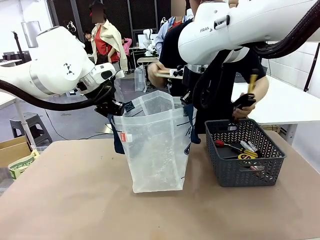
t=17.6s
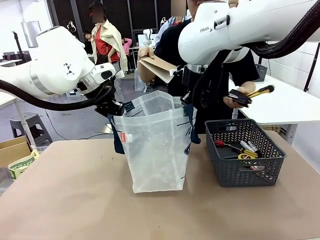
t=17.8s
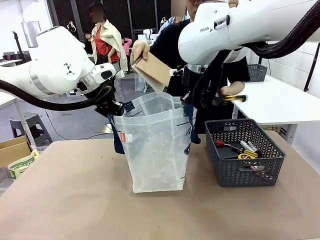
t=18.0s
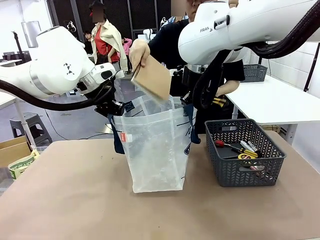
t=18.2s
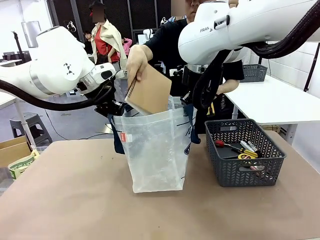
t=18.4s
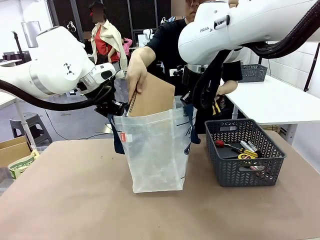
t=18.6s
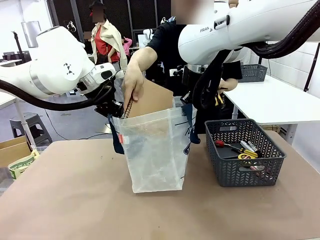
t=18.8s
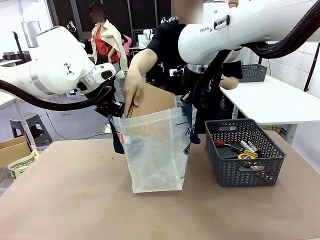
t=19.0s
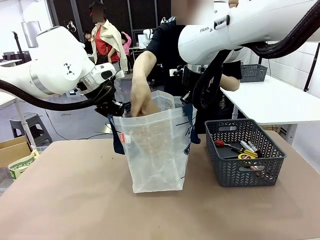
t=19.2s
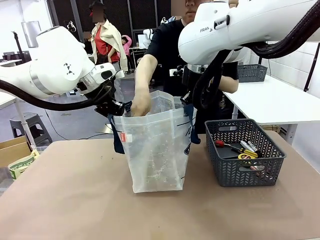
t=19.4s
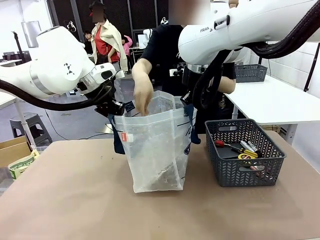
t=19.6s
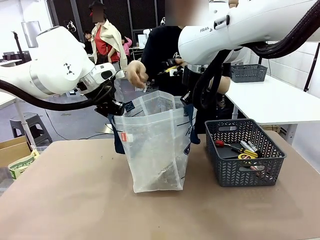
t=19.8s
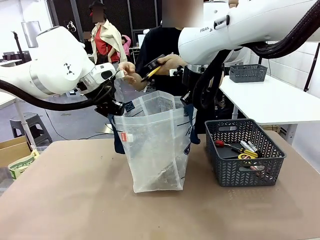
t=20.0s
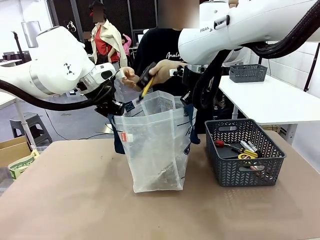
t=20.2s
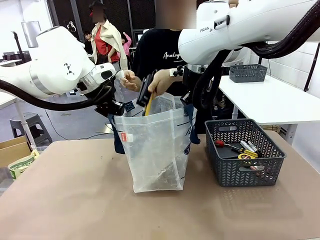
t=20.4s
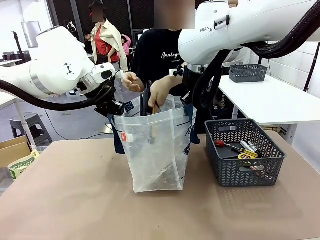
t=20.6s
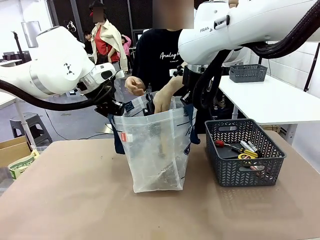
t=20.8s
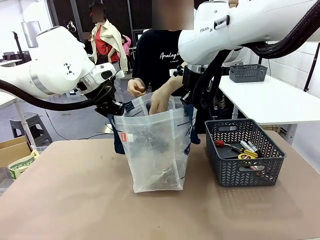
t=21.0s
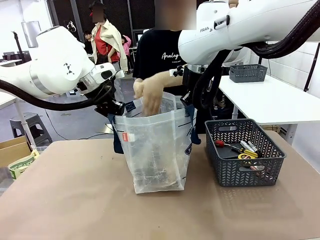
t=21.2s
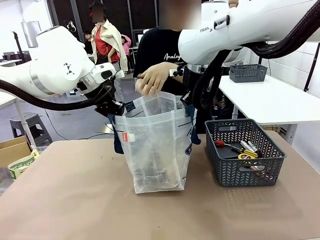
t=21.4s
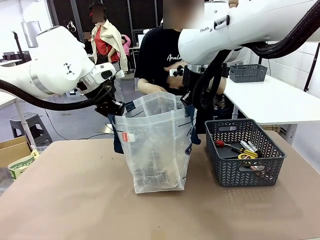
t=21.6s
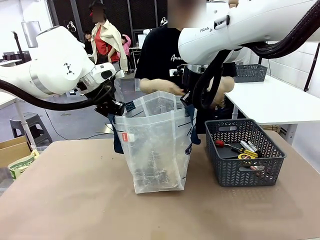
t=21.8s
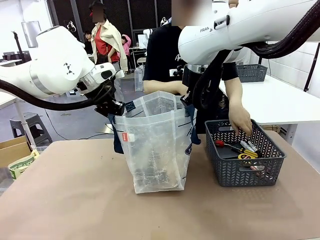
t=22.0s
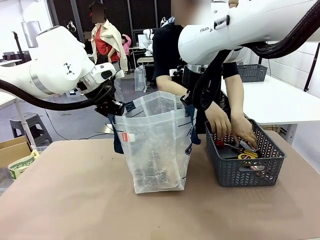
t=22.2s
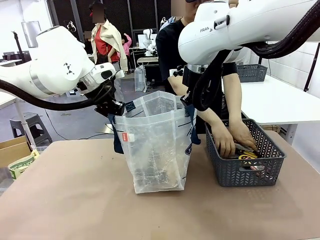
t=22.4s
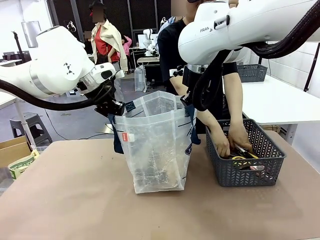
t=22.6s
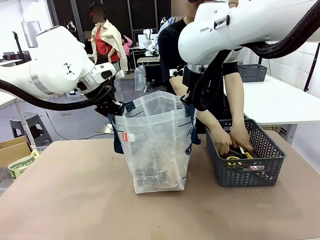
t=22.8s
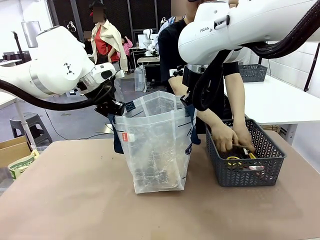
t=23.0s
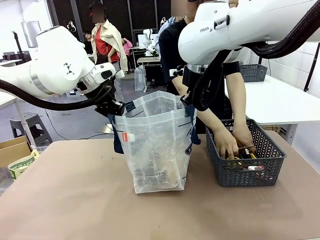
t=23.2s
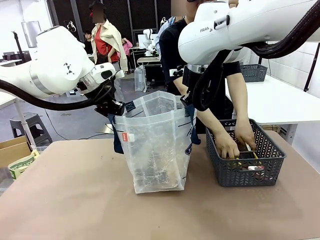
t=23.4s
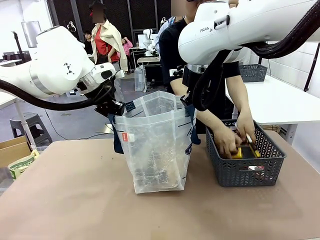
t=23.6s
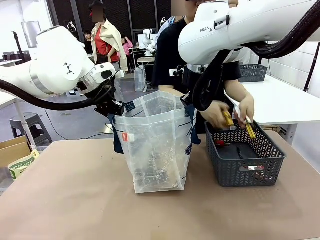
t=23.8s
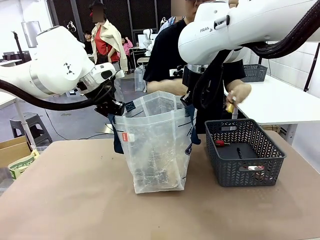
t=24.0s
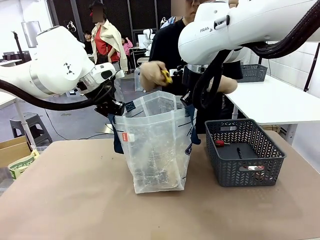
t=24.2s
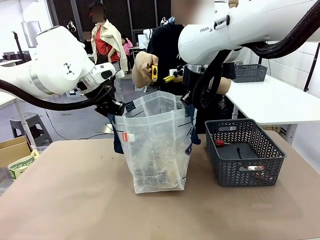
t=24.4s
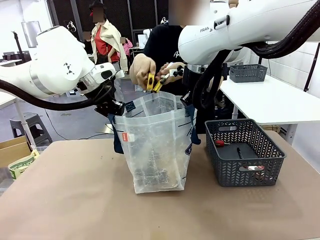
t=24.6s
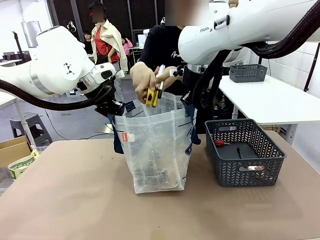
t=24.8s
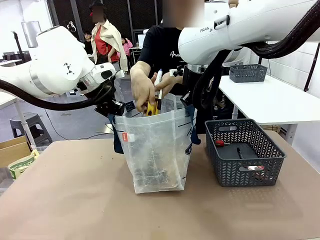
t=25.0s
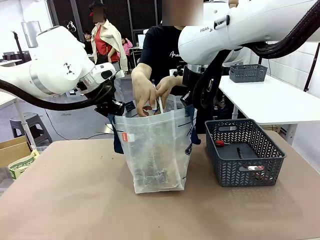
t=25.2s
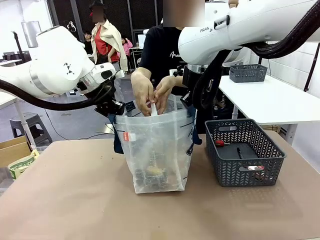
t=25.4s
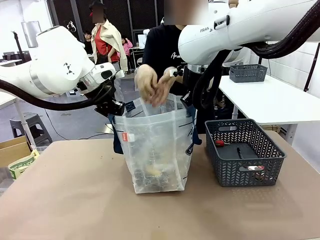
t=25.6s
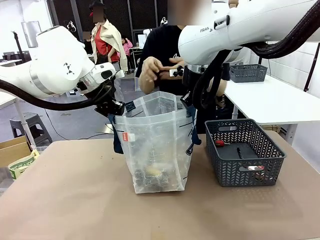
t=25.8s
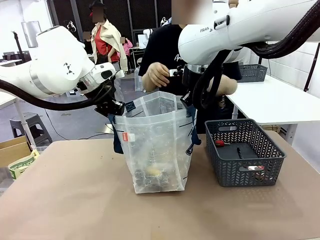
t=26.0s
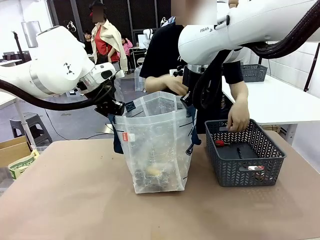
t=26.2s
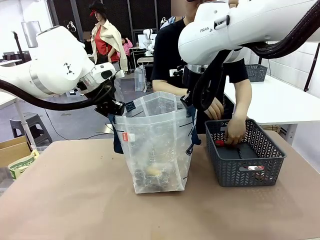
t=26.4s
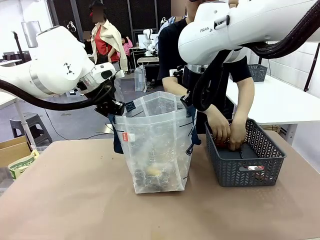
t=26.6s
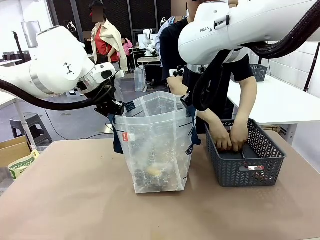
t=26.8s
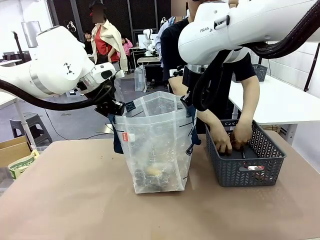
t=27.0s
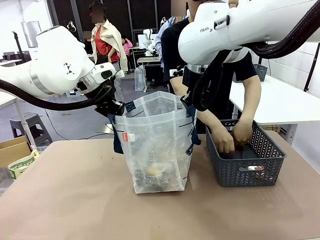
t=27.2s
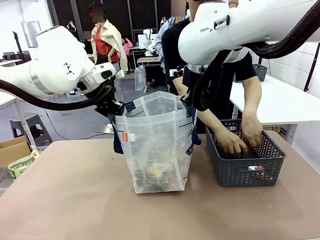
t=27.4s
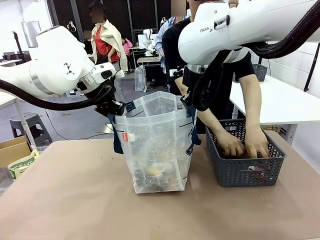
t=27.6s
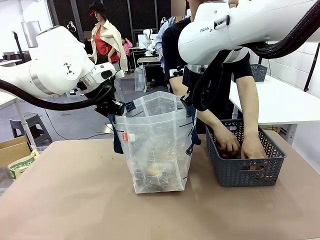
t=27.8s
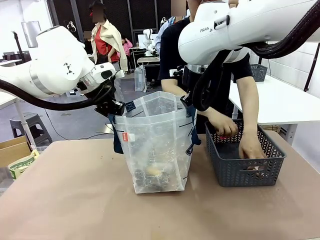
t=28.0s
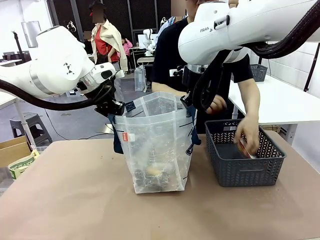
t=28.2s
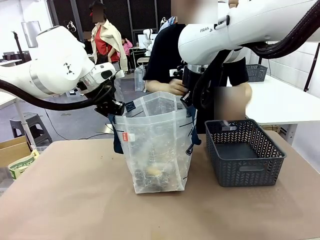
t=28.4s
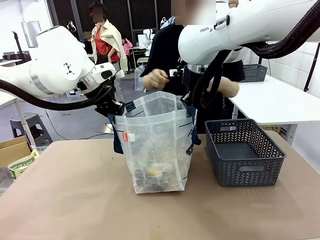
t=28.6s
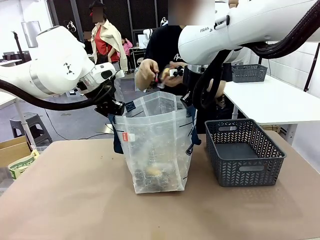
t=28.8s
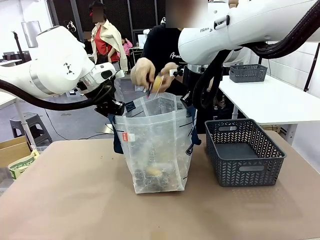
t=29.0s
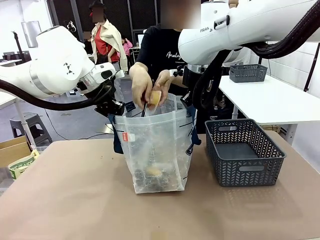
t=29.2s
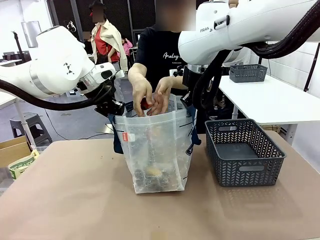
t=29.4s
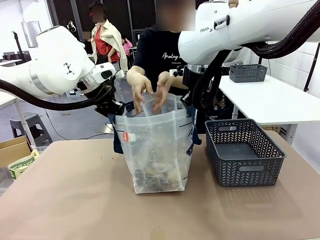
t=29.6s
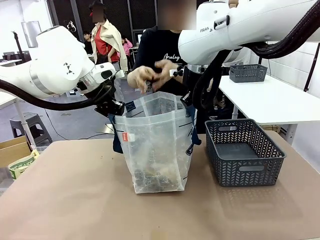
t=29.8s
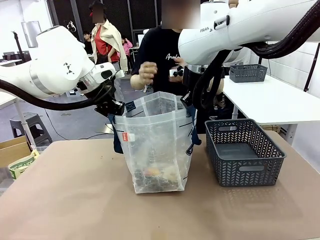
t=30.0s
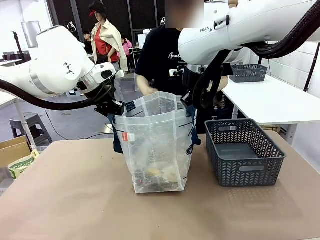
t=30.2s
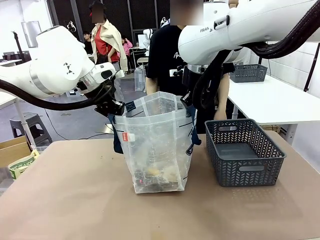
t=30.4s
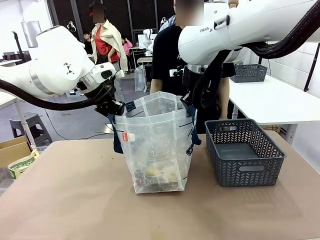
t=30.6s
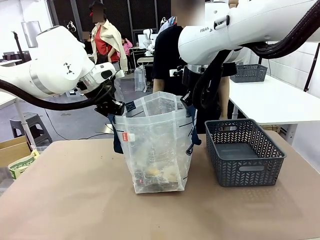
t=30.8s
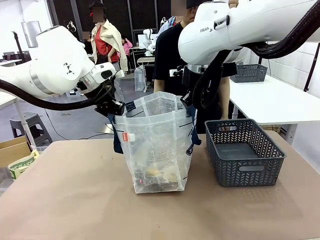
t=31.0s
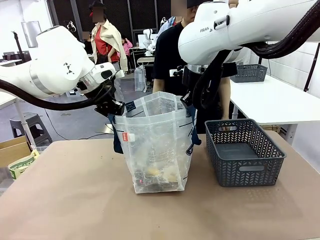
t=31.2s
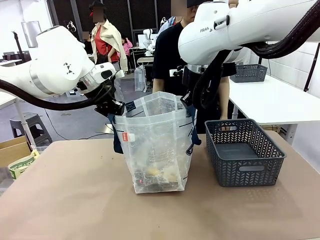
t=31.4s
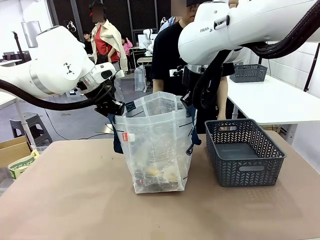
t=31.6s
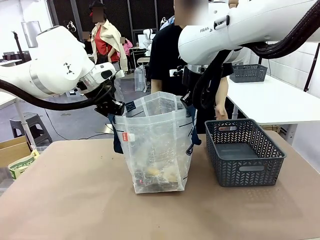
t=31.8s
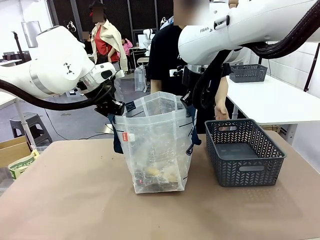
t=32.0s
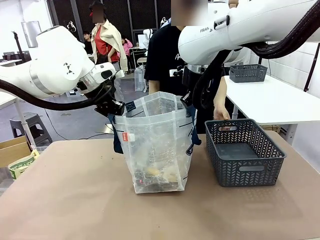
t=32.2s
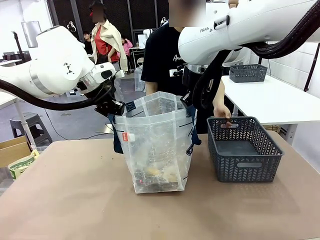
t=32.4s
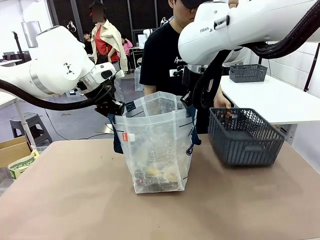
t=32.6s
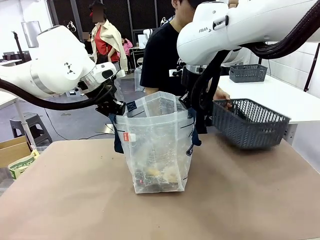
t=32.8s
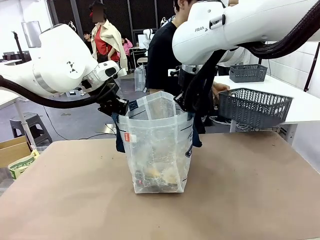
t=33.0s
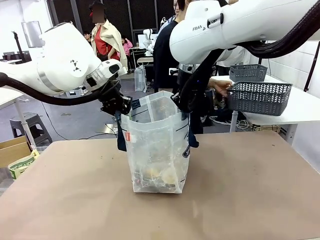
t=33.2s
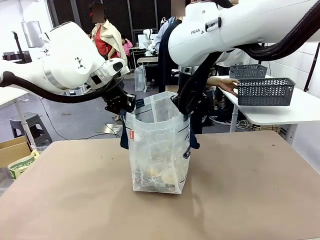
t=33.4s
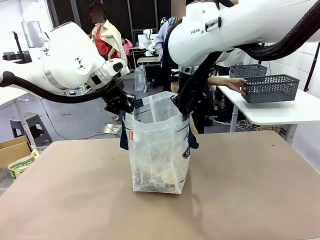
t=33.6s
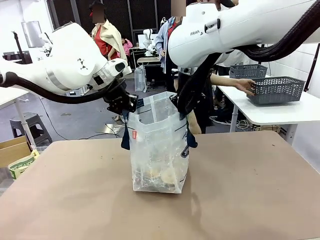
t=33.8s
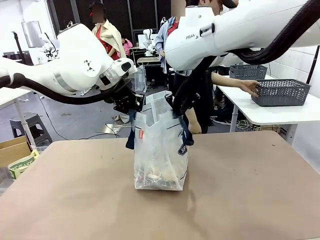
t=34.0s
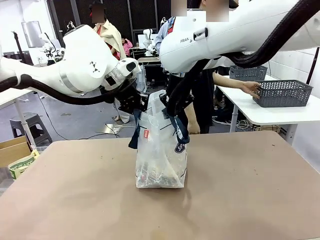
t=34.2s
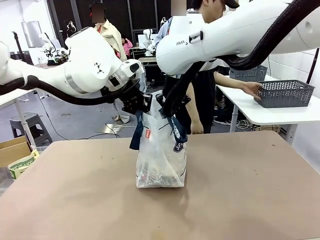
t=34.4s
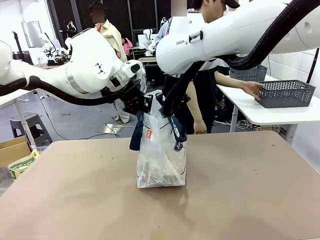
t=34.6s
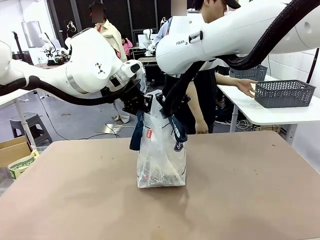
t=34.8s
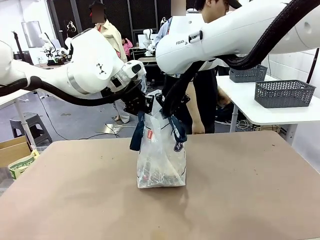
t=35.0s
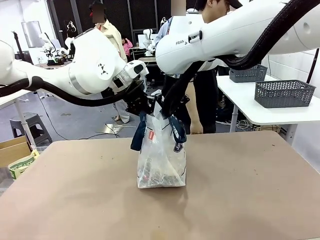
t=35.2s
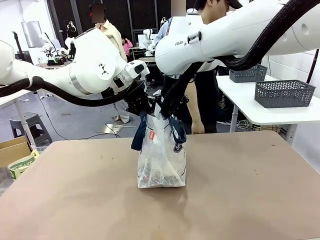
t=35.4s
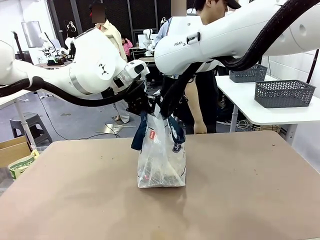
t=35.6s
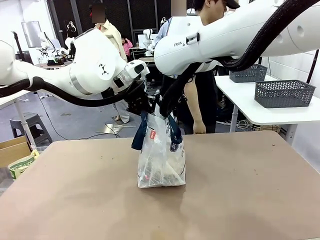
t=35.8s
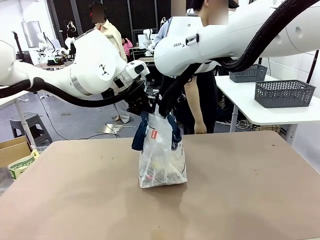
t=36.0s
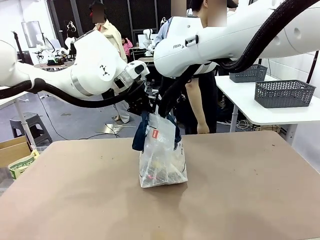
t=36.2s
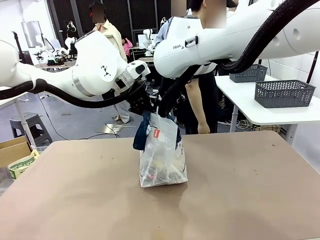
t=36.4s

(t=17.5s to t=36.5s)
Task: Transfer purchased items from the store into the shopping bag.
Robot: Move the Reusable shopping bag to the right side of the table.
Person: Pick up the basket on the right, place it on the left side of the robot table, and move the items in the basket to the shopping bag. Pick up the basket with the items out and place it on the right side of the human table.
